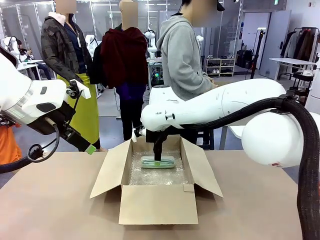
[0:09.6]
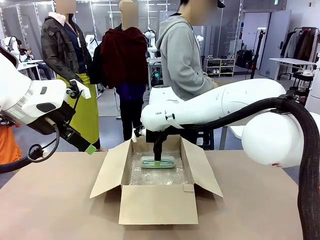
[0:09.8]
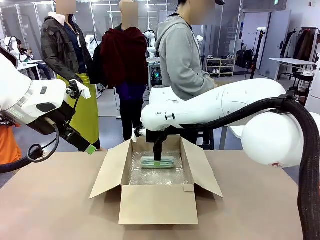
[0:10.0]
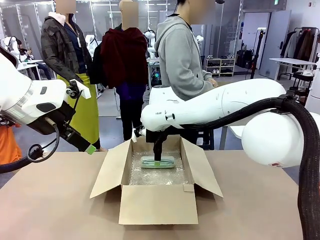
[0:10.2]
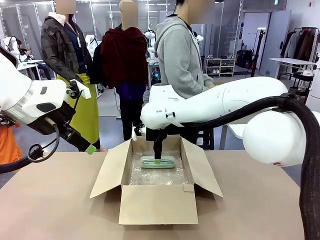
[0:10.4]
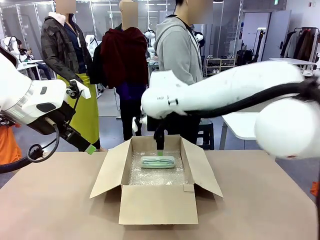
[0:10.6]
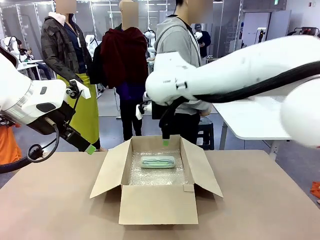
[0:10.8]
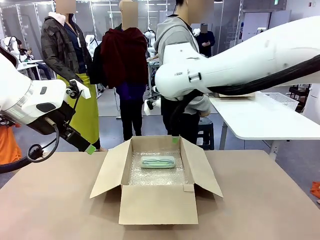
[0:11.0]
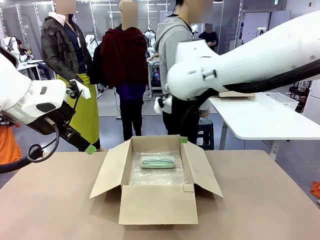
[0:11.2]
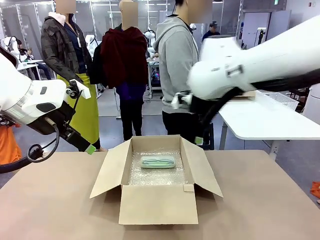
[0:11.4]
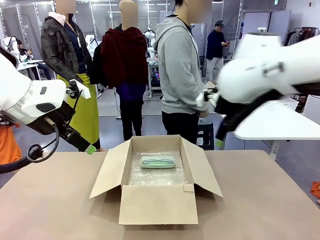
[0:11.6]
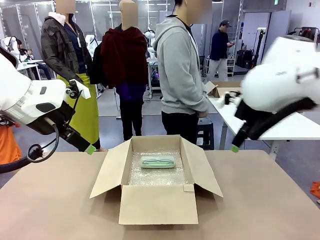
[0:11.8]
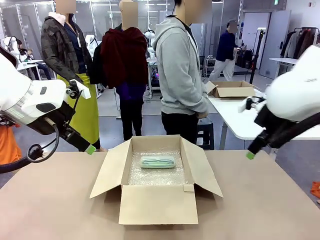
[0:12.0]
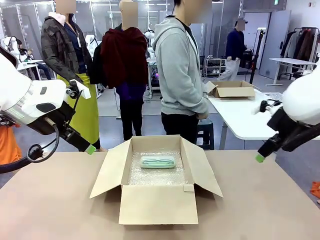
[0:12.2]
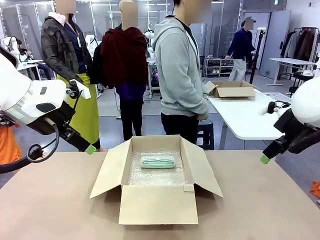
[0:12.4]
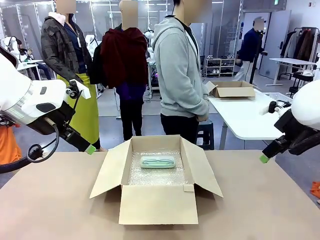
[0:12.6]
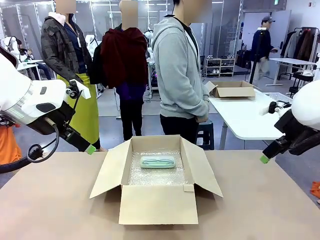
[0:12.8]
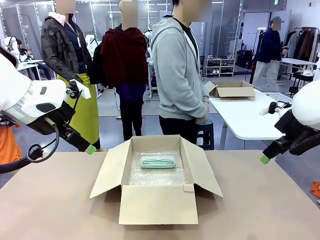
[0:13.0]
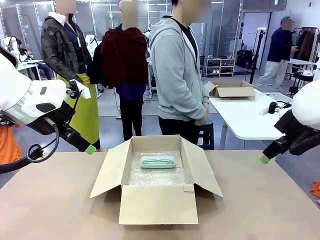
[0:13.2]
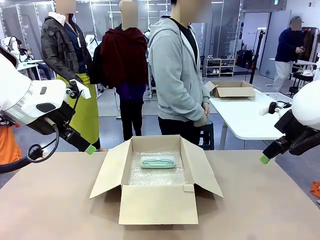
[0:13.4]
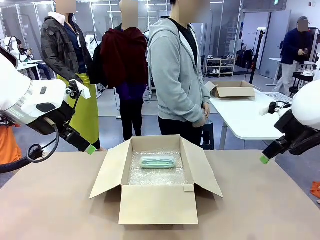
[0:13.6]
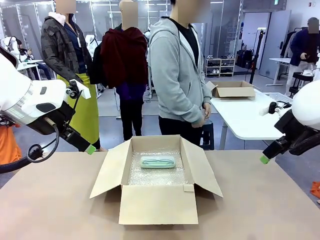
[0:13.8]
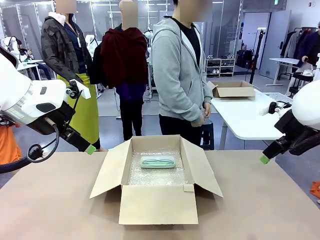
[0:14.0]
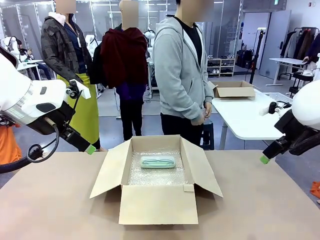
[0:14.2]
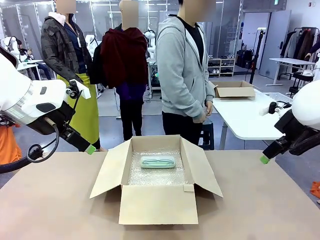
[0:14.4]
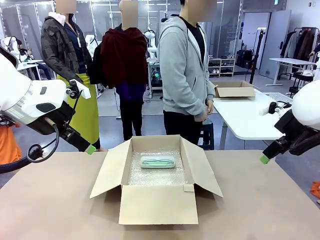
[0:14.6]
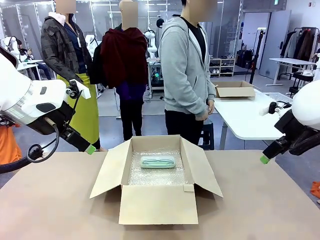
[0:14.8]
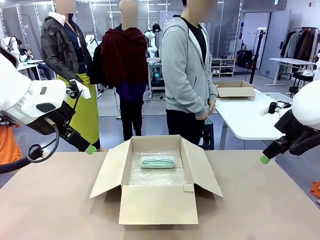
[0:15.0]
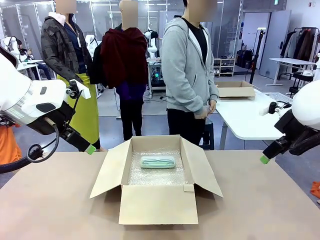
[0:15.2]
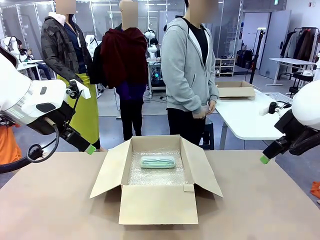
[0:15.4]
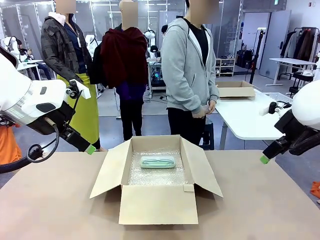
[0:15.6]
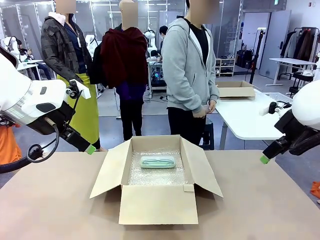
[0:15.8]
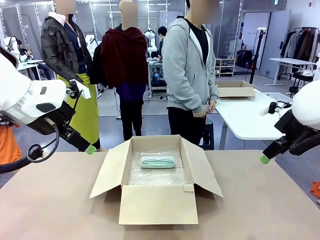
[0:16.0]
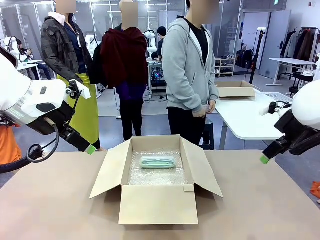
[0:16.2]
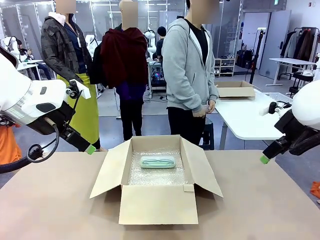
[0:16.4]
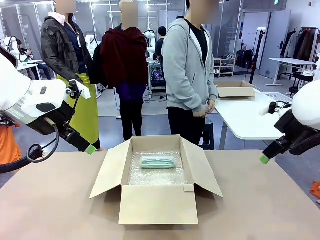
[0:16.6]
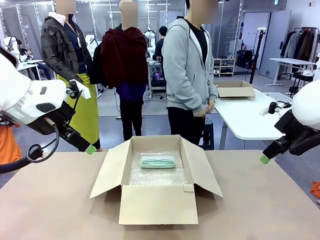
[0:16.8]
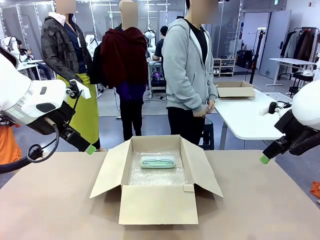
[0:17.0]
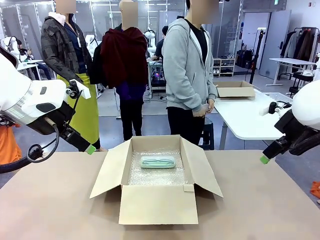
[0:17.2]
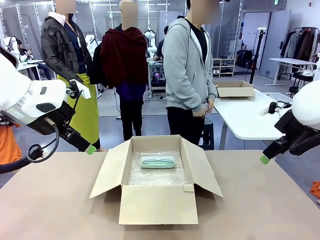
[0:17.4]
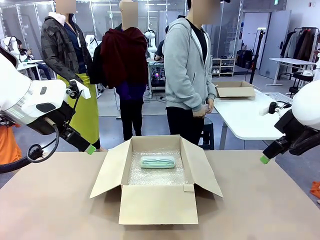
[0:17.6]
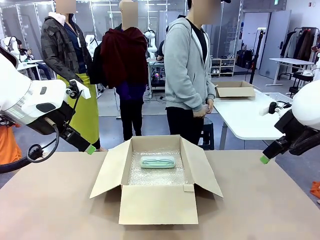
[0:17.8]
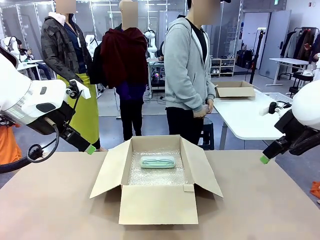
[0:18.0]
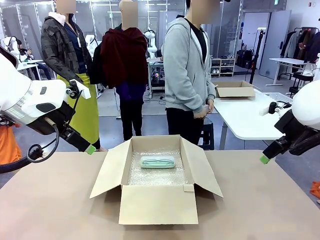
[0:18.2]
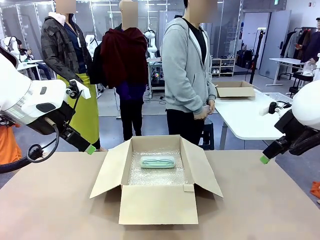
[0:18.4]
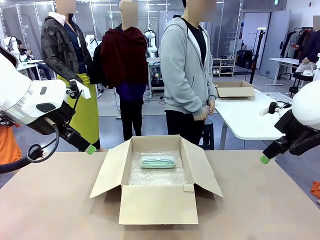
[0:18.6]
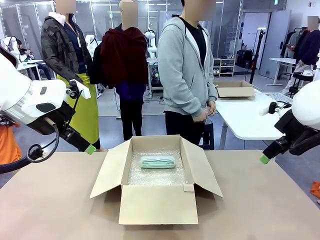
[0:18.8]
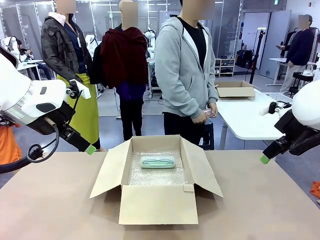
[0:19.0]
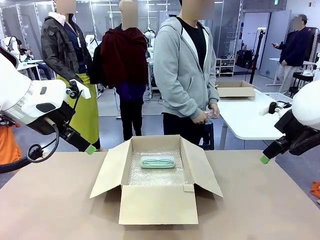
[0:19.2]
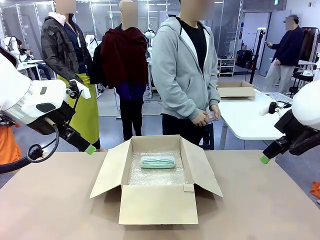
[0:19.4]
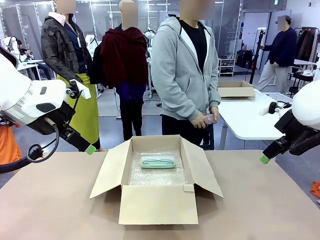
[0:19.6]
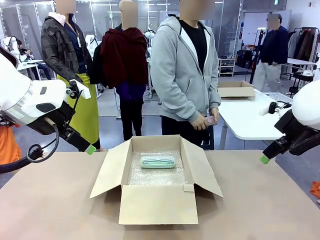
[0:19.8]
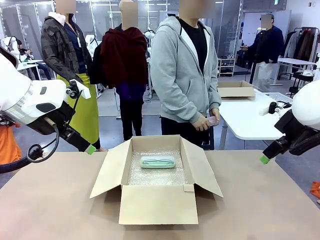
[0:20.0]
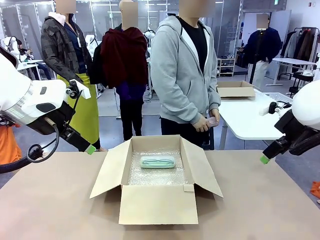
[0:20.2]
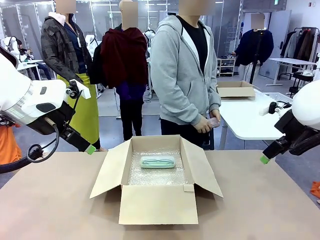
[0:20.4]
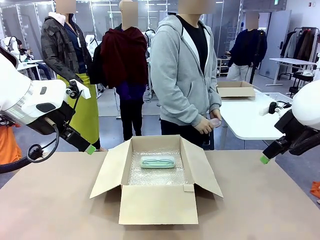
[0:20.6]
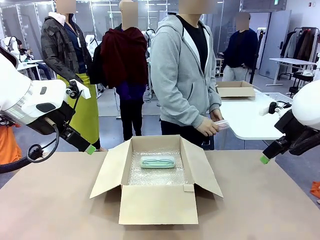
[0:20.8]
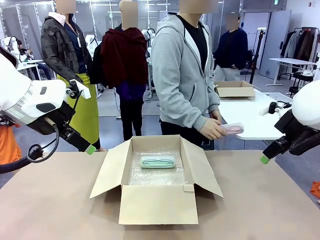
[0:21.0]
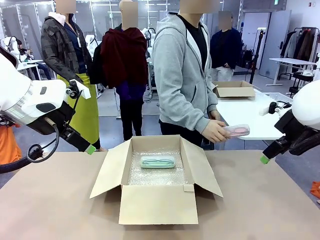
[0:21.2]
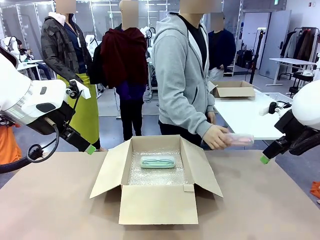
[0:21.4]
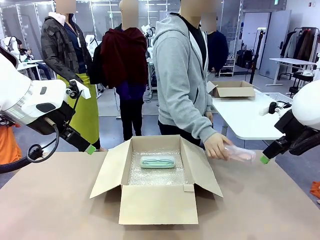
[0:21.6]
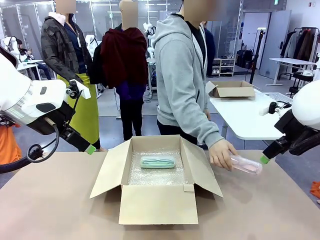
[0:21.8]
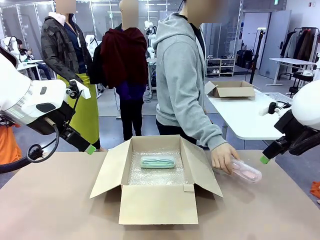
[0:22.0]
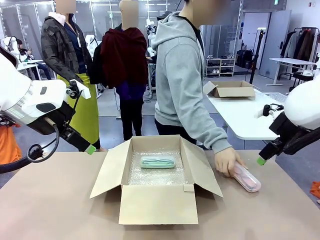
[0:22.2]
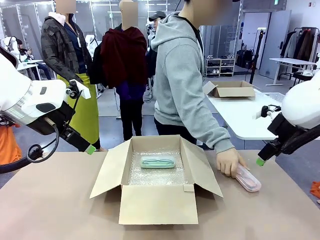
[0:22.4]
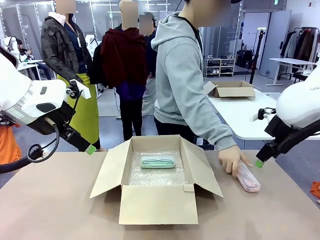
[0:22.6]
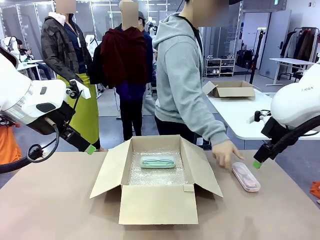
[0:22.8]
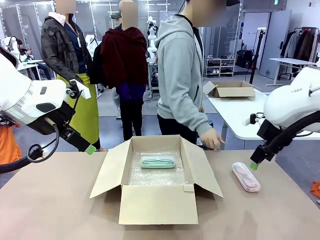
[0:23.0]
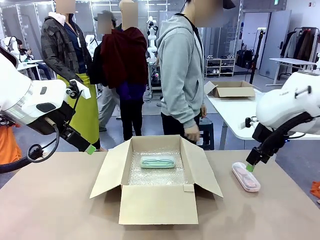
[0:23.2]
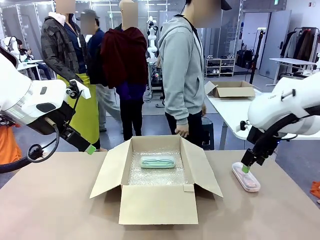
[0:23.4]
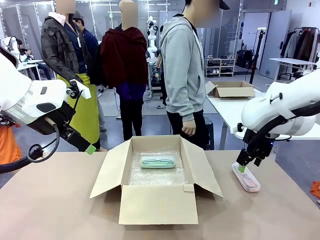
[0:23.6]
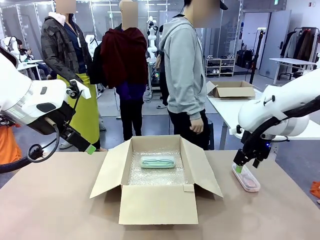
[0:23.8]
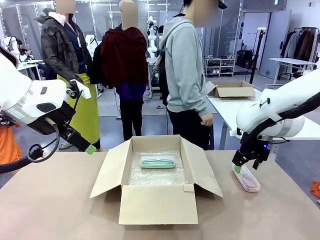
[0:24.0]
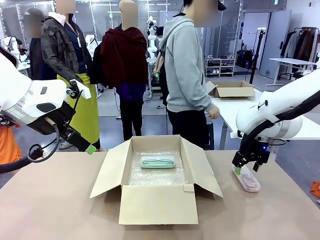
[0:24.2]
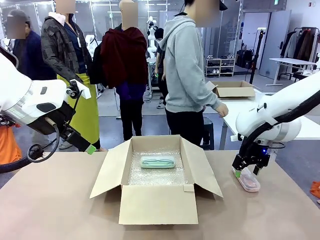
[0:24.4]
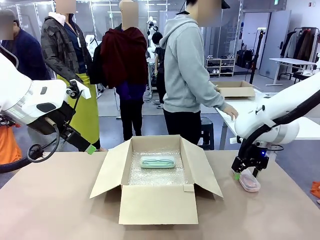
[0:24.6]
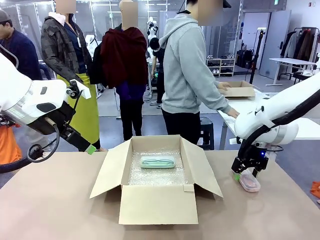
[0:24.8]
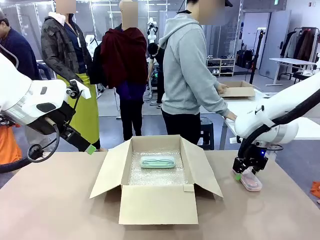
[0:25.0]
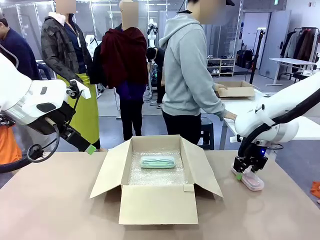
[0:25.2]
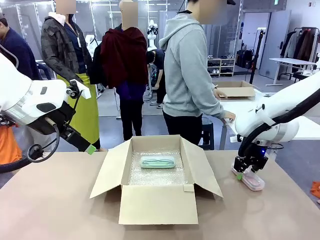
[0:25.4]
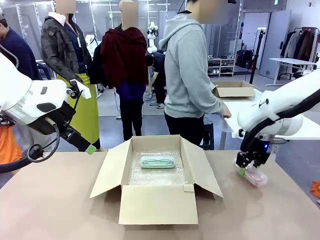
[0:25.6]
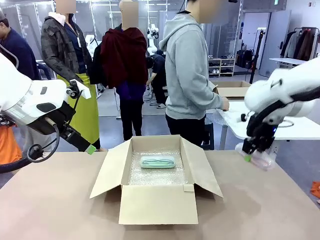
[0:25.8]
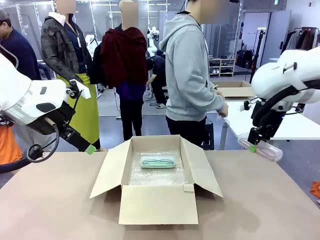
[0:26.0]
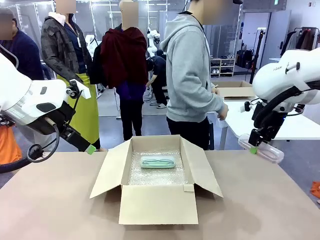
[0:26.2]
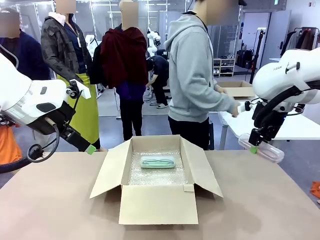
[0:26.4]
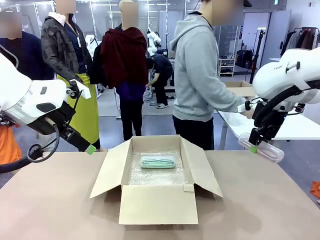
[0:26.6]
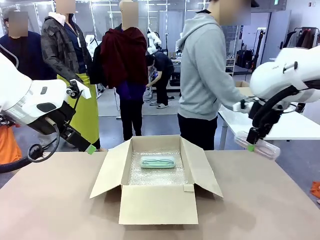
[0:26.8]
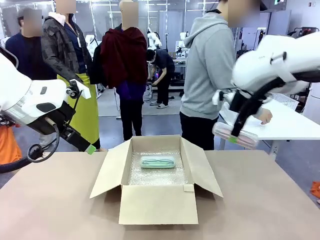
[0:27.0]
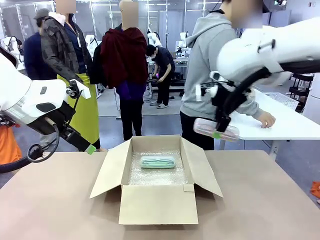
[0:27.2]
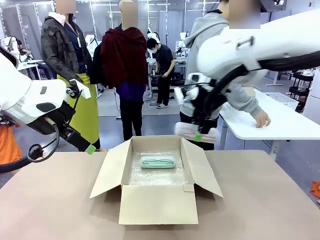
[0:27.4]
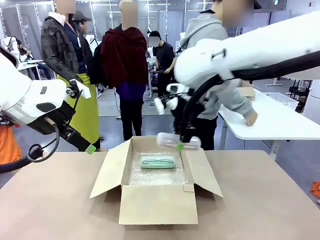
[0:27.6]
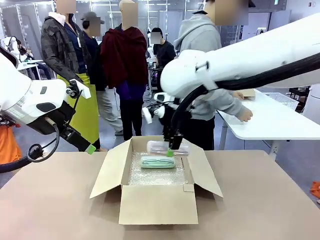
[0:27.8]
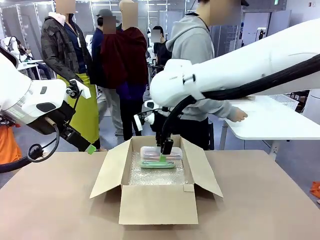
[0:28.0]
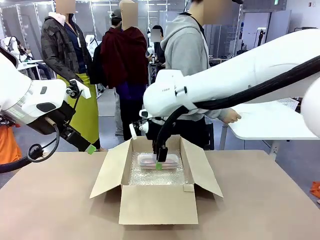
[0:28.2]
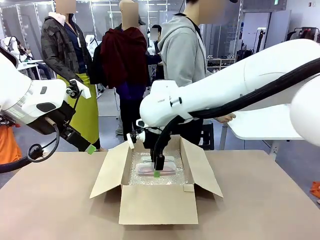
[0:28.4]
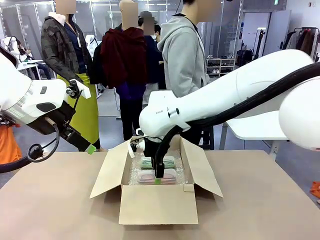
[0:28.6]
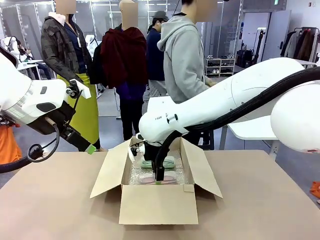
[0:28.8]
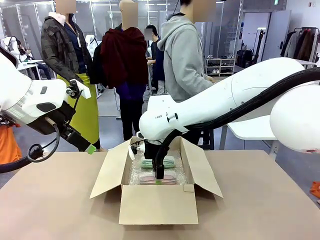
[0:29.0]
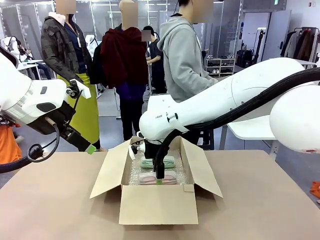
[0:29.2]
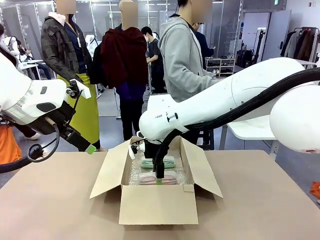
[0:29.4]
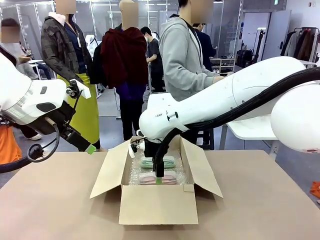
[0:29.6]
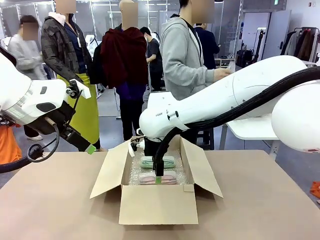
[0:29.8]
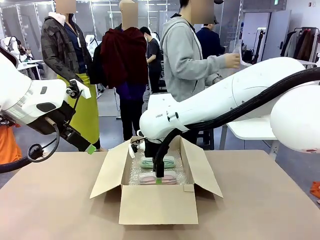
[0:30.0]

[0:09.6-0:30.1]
Task: Pack the glasses set securely to prepare it for shipping.
Robot: Put the Glasses case from the right side of the table into the Package Box.
Person: Position the Glasses case on the left side of the robot's table.
